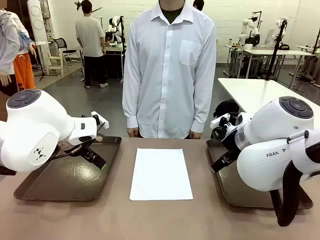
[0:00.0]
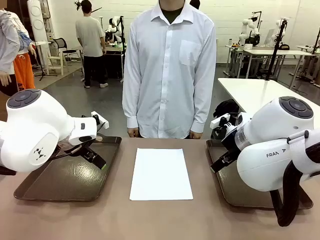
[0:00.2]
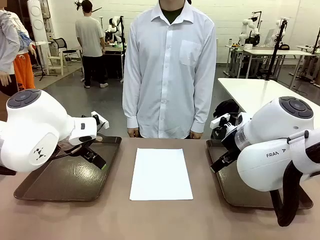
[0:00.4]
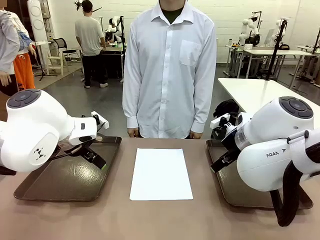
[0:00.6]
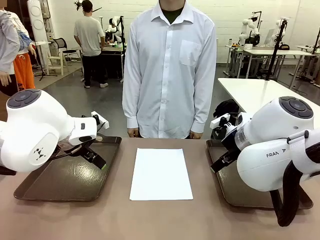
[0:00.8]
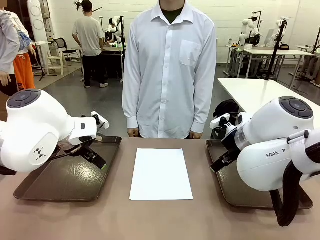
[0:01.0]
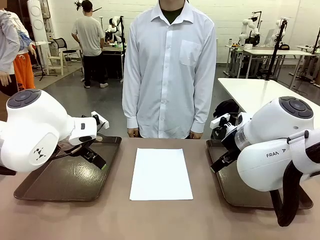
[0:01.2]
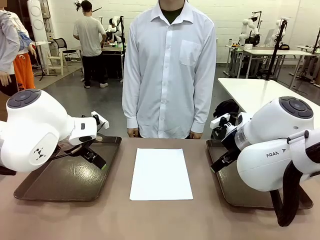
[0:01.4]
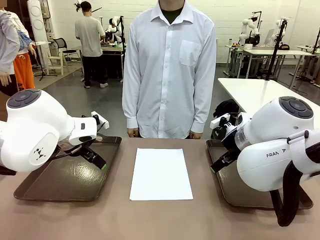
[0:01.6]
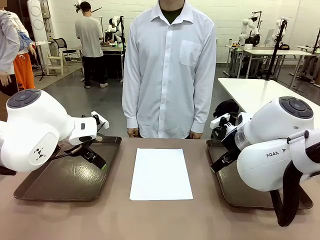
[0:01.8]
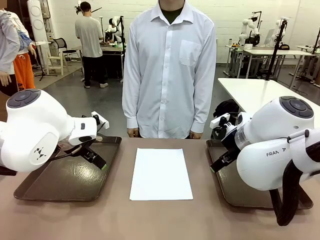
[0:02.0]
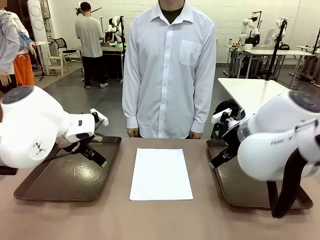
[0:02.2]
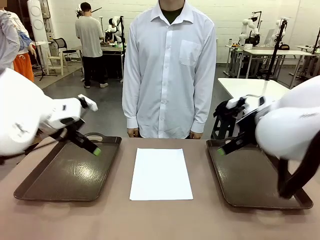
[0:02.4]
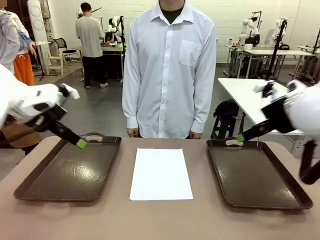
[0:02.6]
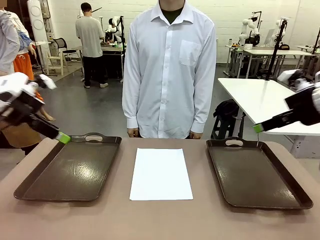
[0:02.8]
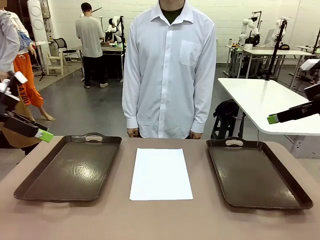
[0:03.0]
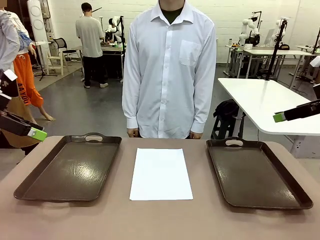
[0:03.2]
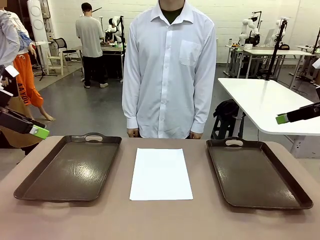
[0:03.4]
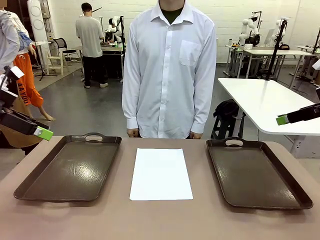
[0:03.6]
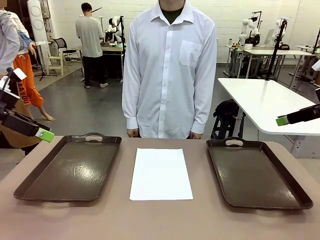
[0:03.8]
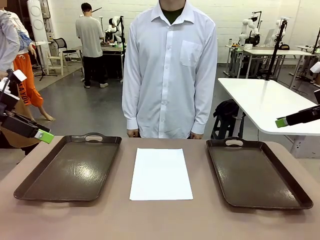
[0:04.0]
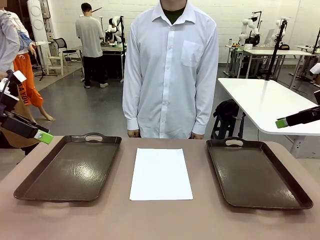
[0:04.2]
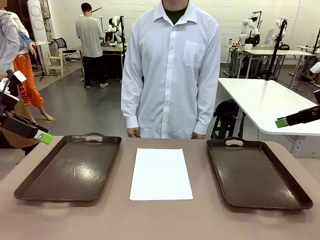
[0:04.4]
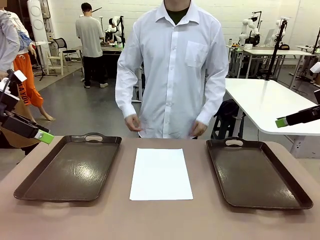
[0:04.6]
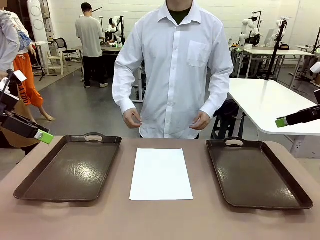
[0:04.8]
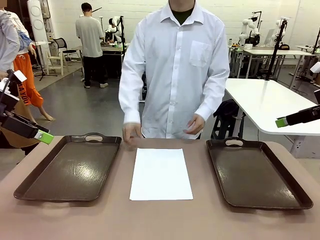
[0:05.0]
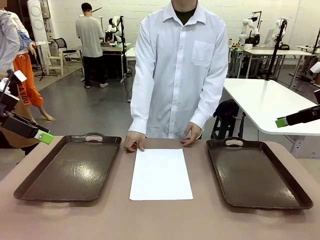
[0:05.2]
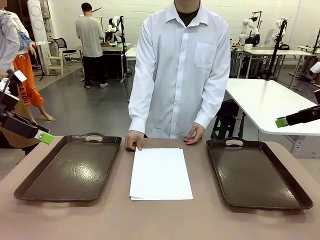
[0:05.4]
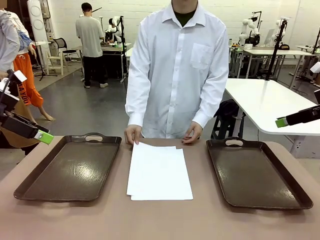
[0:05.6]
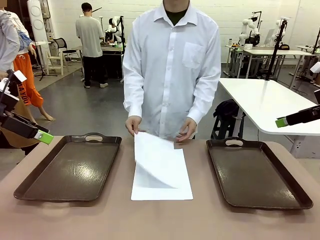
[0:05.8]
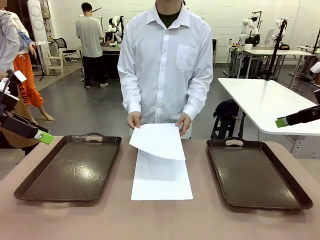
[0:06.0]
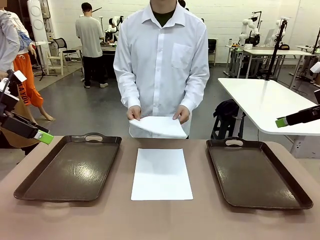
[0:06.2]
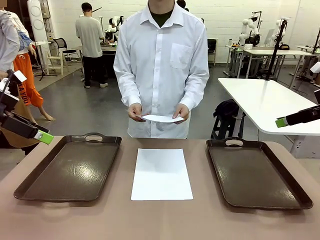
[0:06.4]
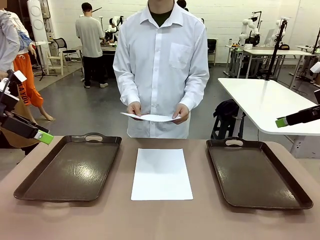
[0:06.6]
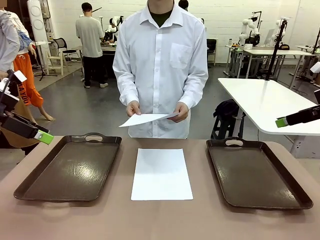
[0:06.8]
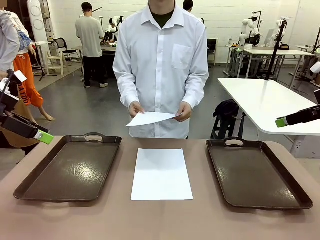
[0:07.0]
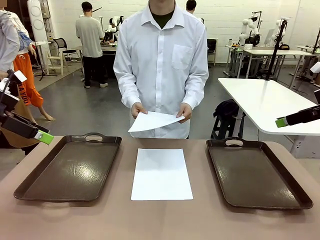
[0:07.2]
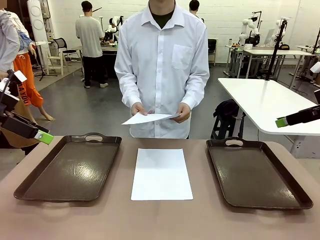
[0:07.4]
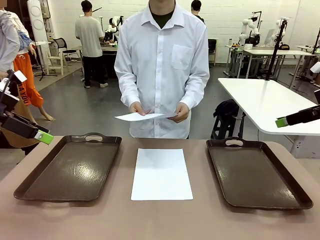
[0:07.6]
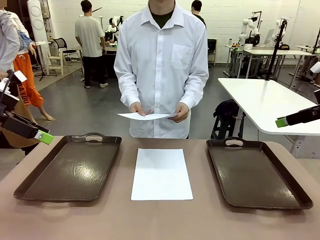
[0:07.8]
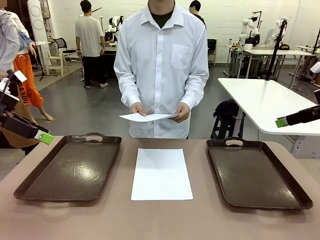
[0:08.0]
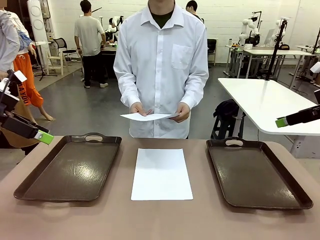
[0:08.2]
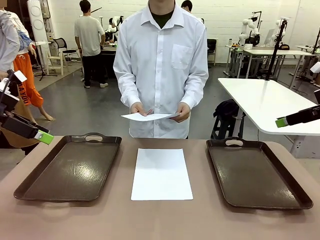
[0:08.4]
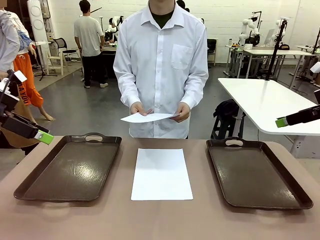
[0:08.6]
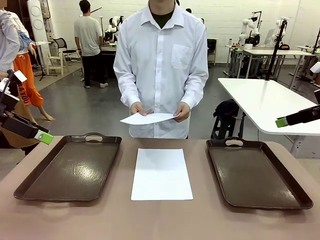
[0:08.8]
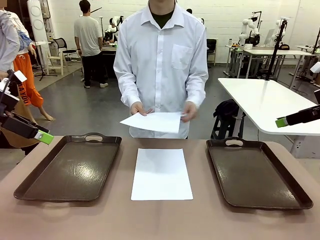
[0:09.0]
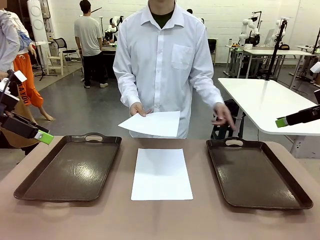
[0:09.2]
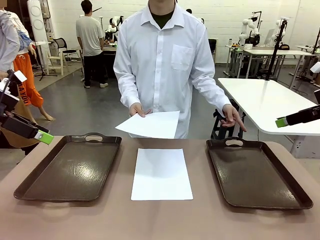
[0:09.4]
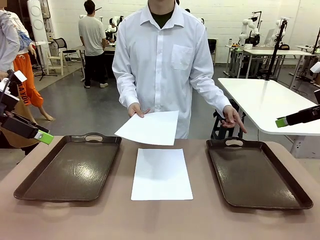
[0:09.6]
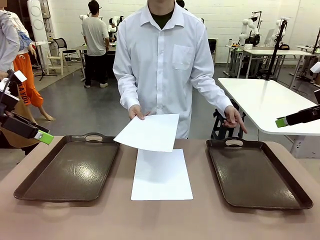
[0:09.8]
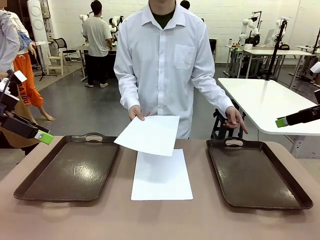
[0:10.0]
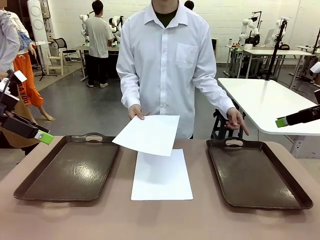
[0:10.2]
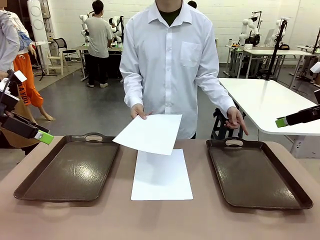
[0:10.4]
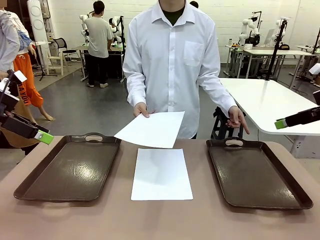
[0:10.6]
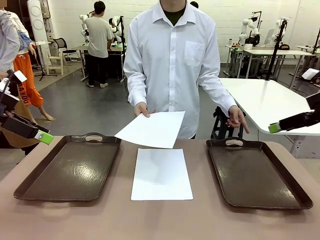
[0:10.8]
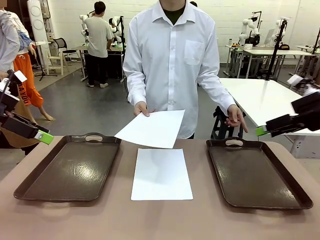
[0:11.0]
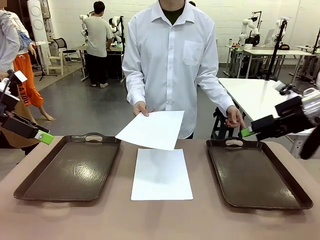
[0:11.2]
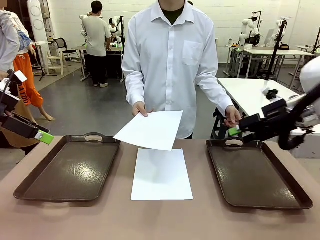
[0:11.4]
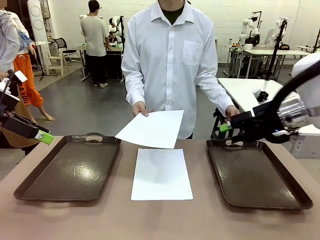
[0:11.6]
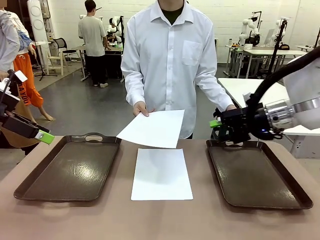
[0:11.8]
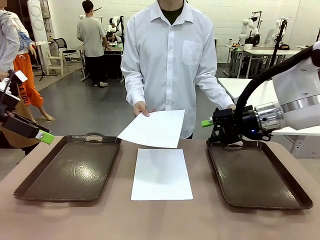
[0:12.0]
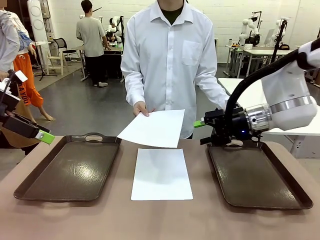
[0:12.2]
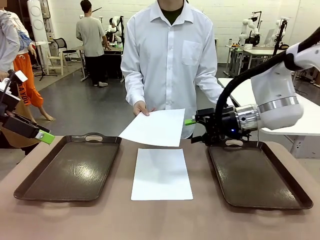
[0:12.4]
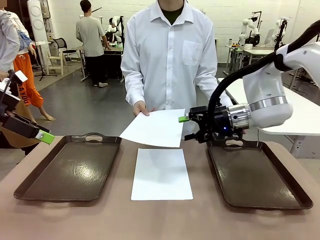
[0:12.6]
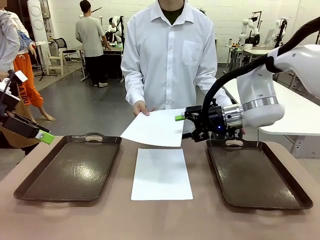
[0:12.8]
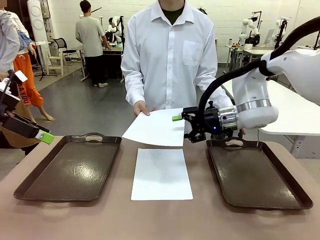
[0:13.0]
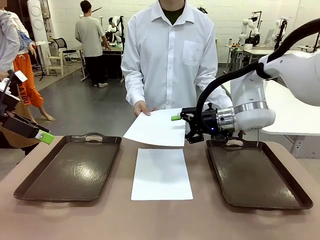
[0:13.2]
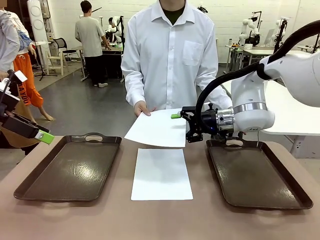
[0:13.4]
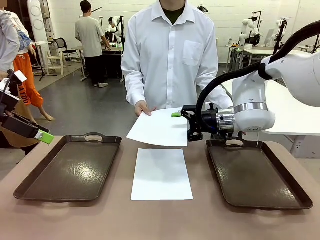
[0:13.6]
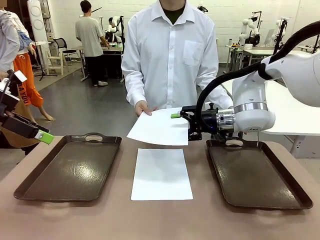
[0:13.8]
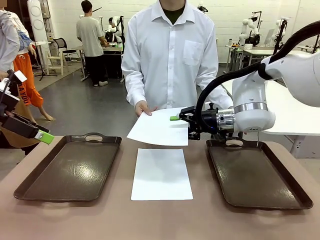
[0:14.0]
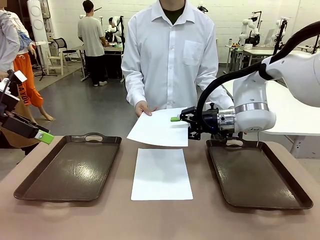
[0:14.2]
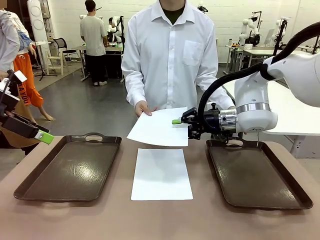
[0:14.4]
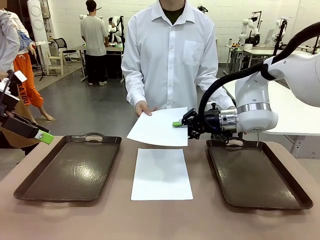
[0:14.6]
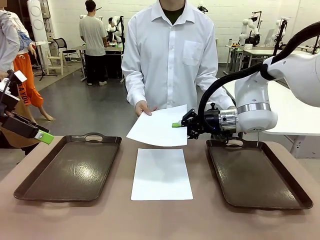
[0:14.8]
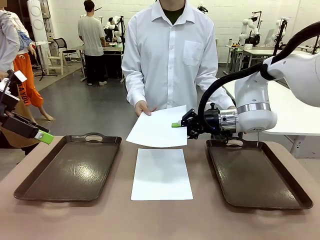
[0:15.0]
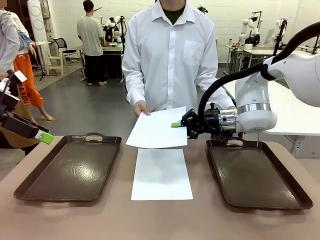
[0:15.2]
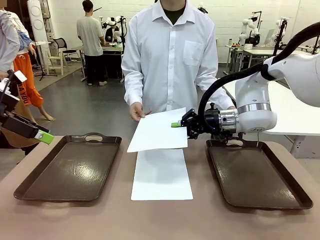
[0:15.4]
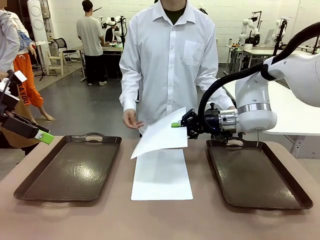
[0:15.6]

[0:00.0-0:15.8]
Task: Sort the A4 documents.
Robot: Receive the A4 Paper.
Person: Pick up a sheet of paper from the center of the table and hand it to the robot. Point the randomly selected tray with the other hand.

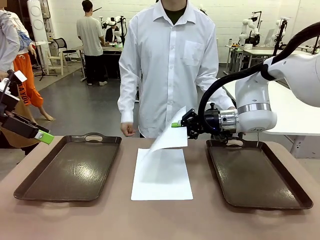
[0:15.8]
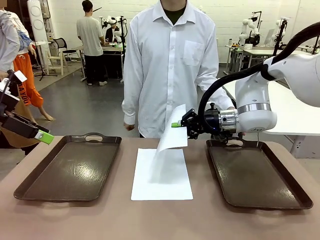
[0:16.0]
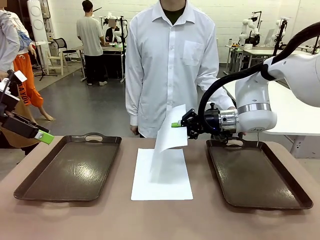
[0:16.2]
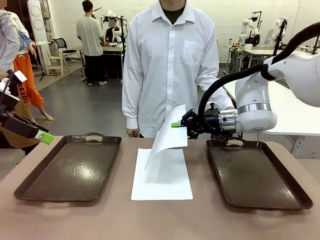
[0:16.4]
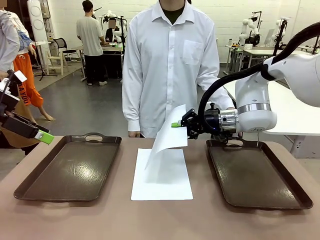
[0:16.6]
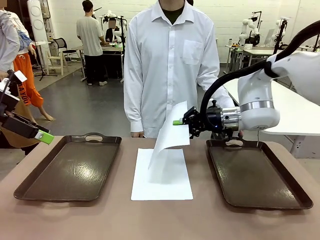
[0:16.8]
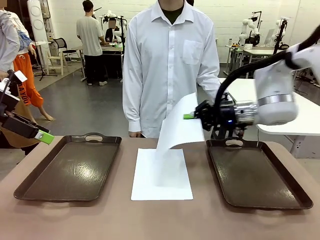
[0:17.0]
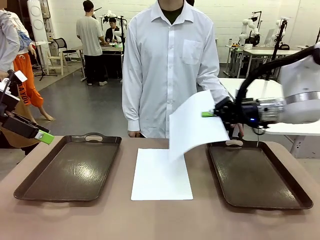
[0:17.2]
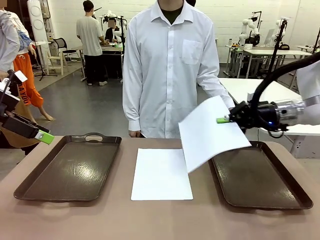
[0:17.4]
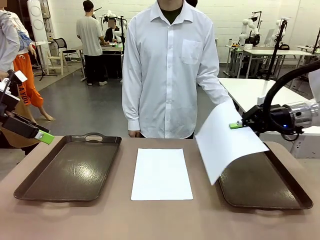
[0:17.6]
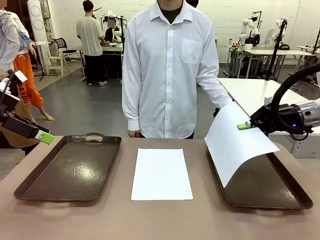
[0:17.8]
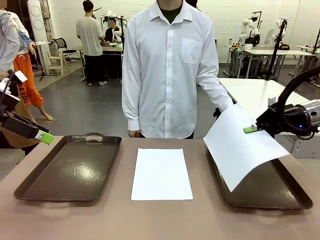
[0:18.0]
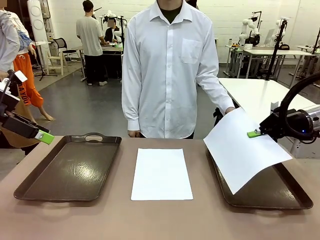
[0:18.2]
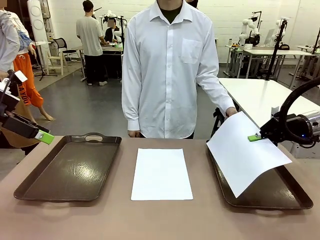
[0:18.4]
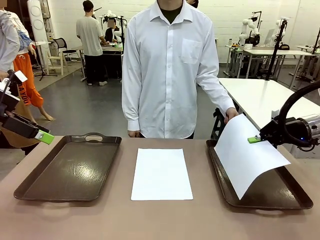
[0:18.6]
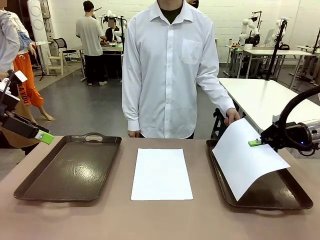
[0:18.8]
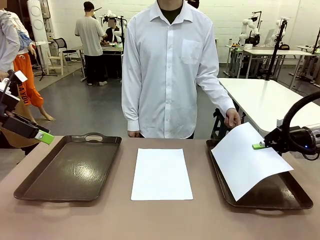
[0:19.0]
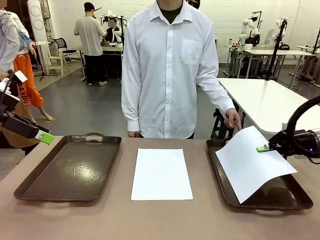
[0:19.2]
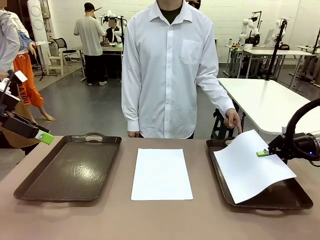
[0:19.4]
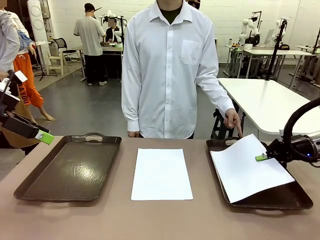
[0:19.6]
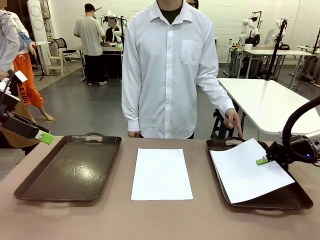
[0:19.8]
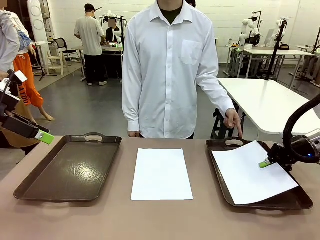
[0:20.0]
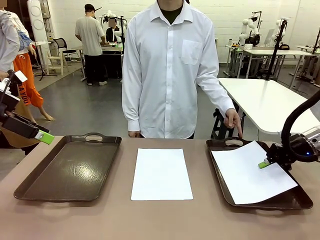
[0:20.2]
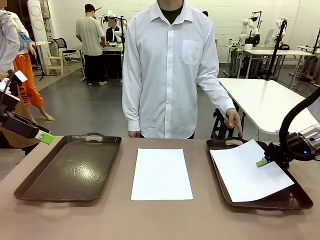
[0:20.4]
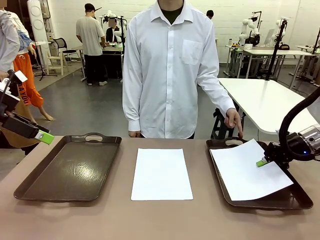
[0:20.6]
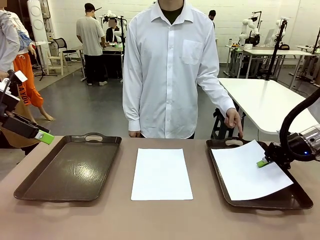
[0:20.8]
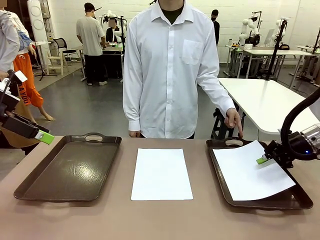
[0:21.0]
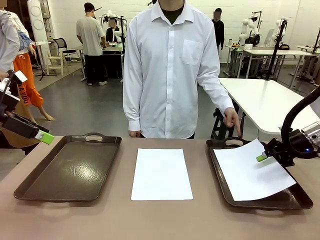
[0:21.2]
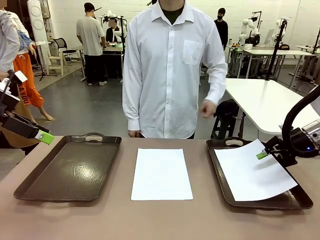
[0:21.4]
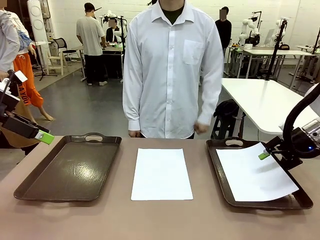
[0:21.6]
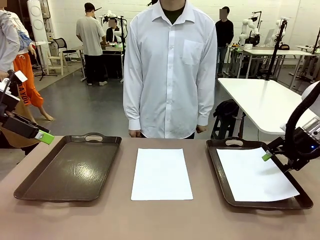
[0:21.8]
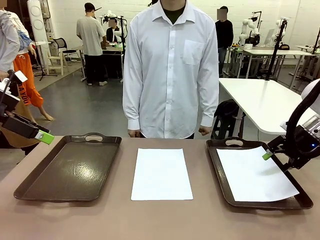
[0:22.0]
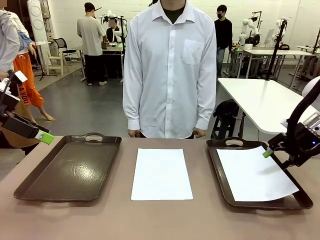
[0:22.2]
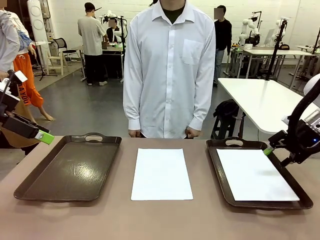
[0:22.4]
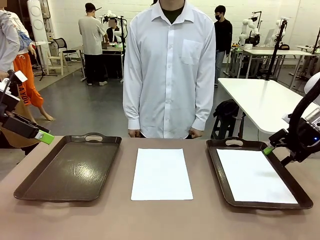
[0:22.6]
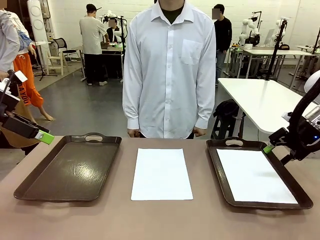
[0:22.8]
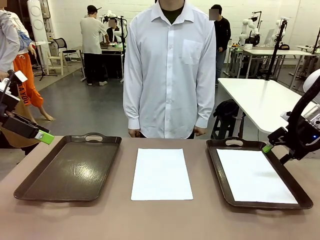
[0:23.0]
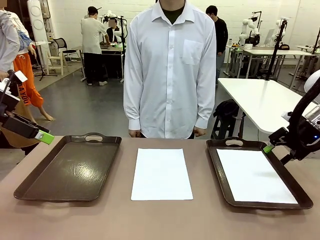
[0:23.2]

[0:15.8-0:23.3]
Robot: Place the A4 Paper in the designated Handle tray.
